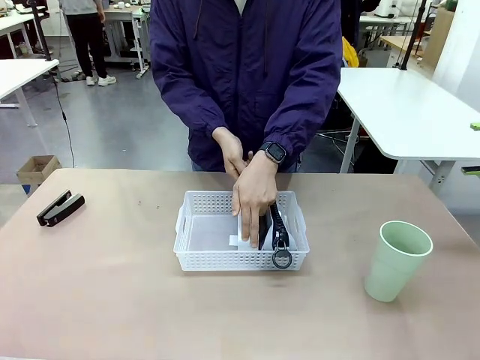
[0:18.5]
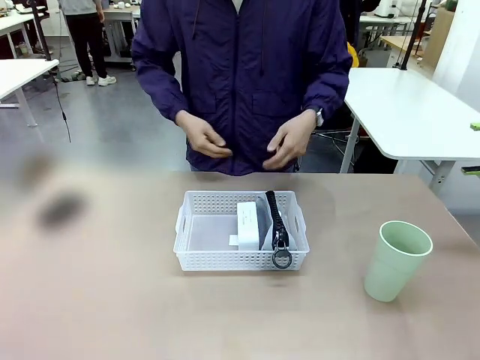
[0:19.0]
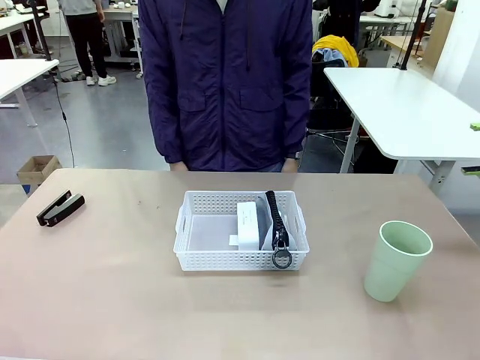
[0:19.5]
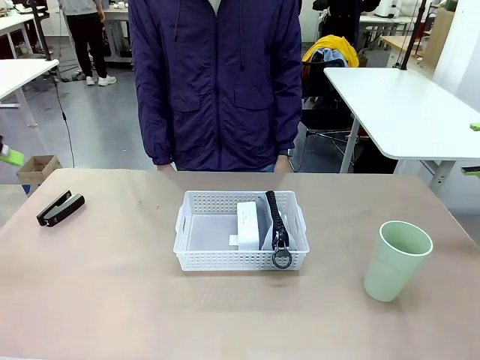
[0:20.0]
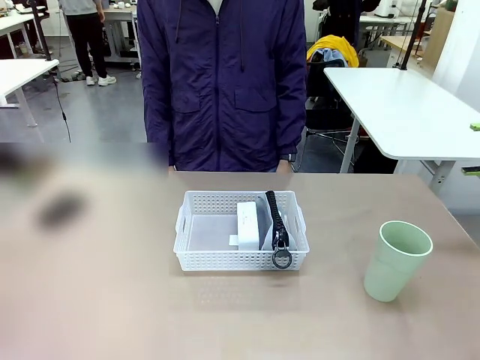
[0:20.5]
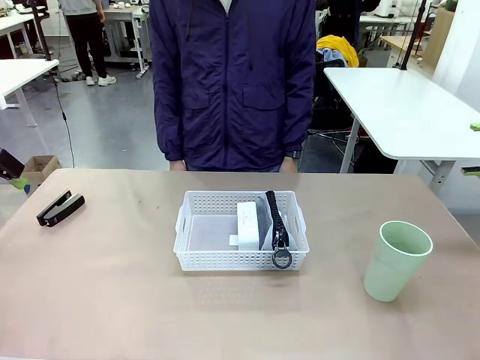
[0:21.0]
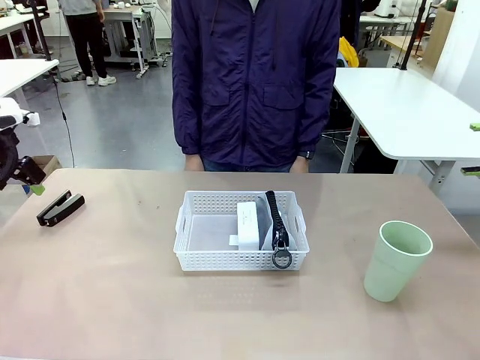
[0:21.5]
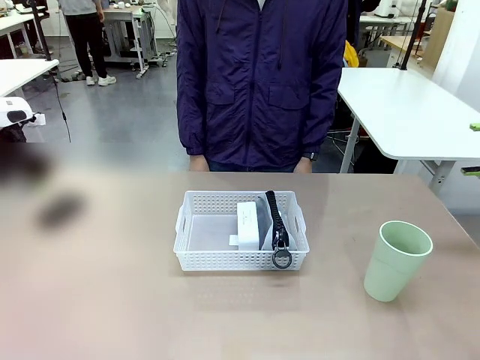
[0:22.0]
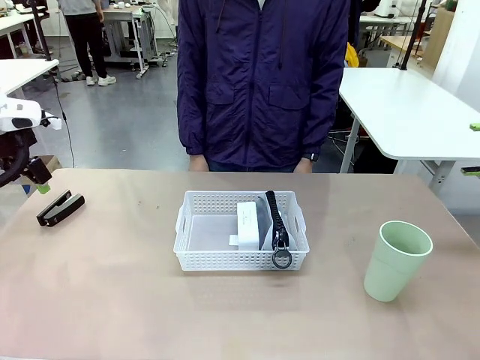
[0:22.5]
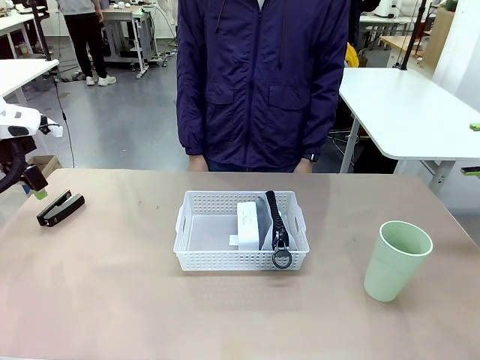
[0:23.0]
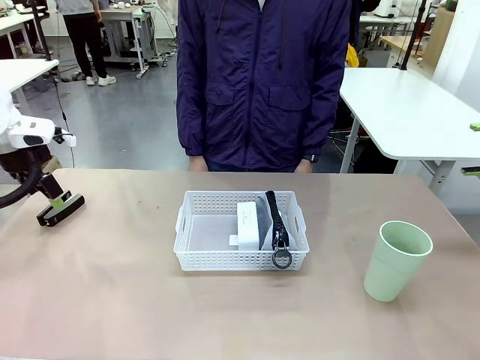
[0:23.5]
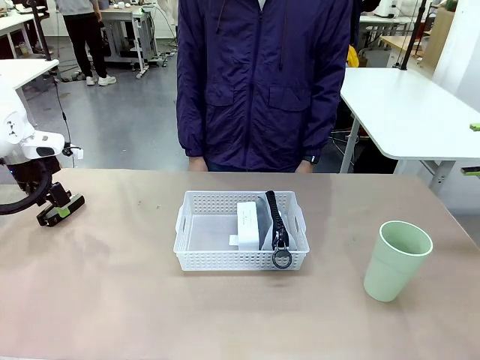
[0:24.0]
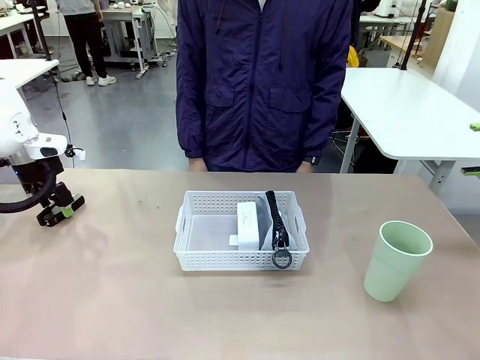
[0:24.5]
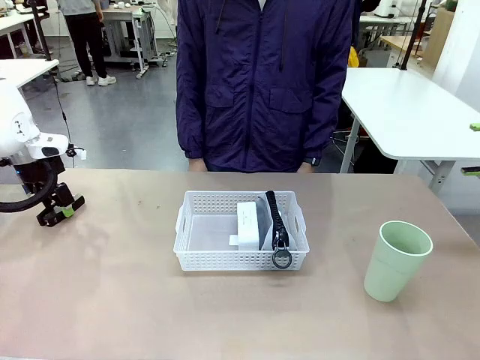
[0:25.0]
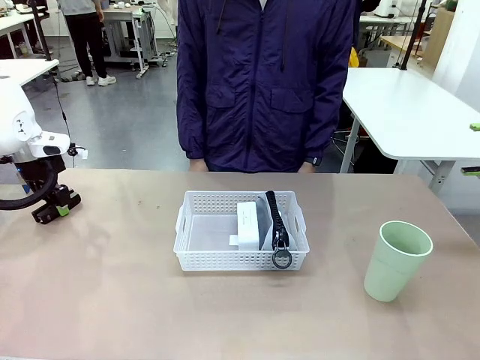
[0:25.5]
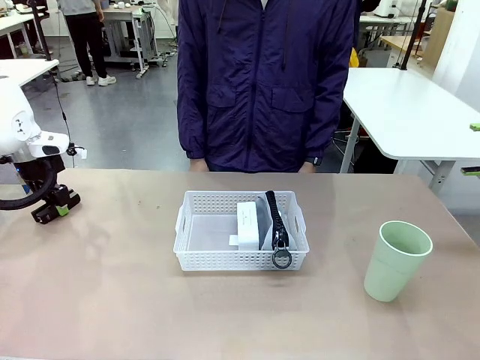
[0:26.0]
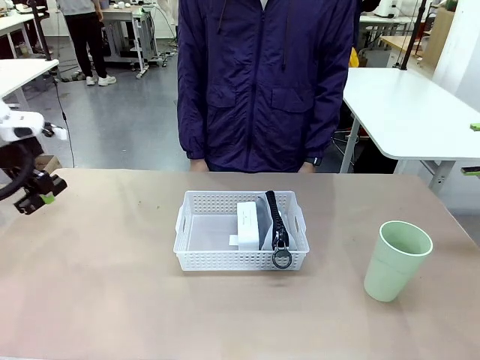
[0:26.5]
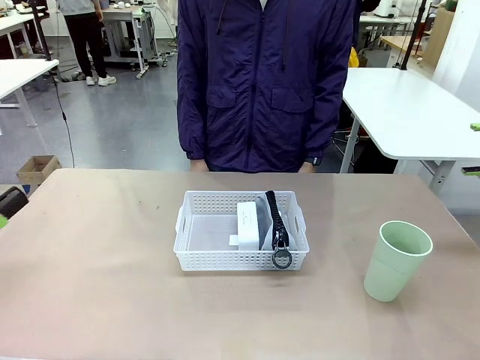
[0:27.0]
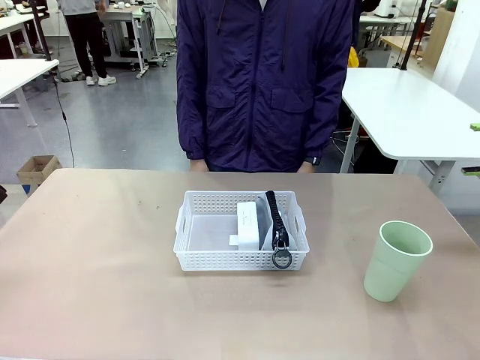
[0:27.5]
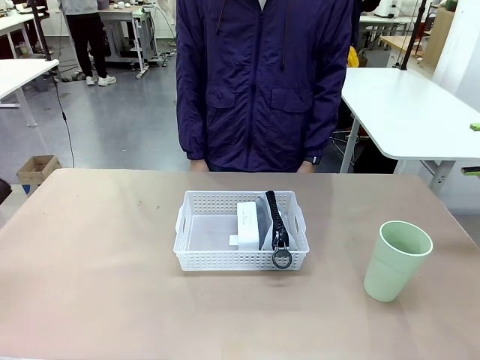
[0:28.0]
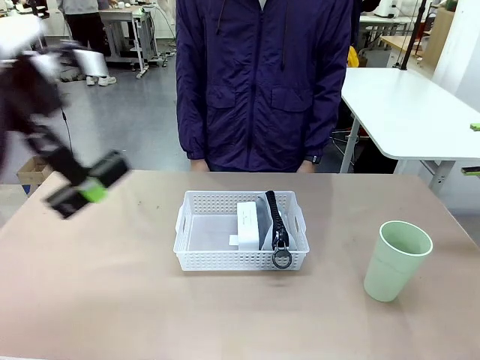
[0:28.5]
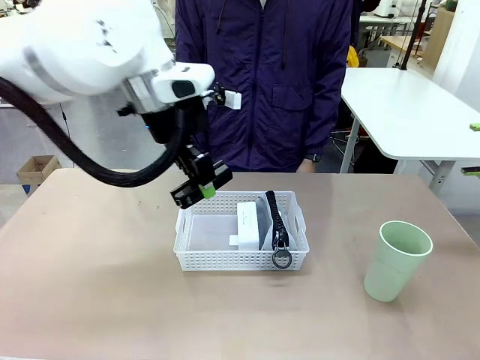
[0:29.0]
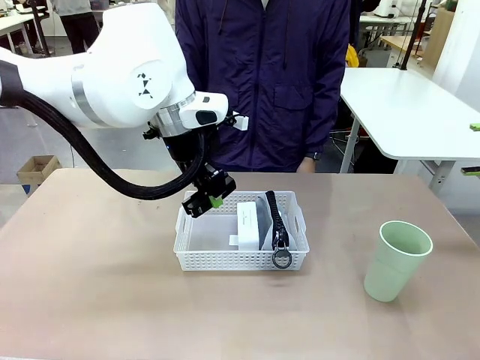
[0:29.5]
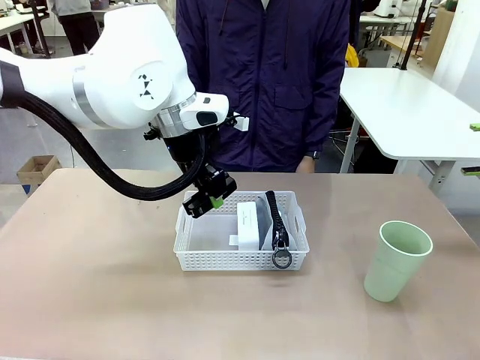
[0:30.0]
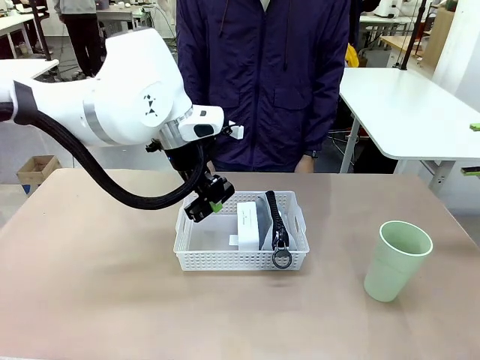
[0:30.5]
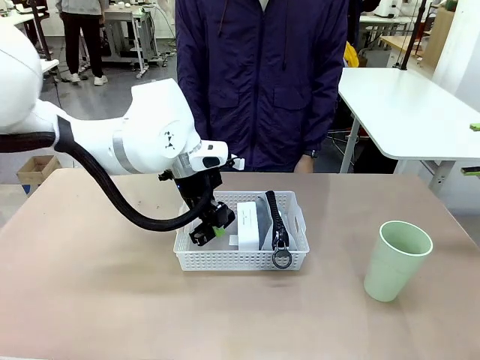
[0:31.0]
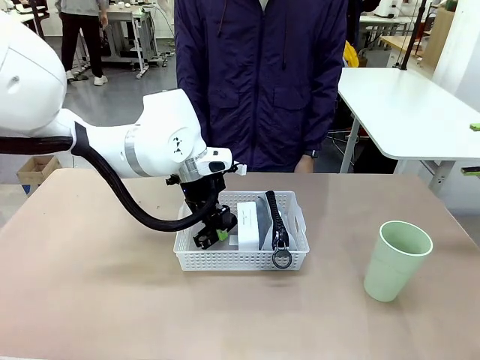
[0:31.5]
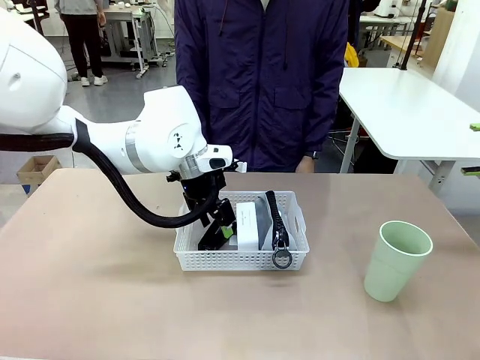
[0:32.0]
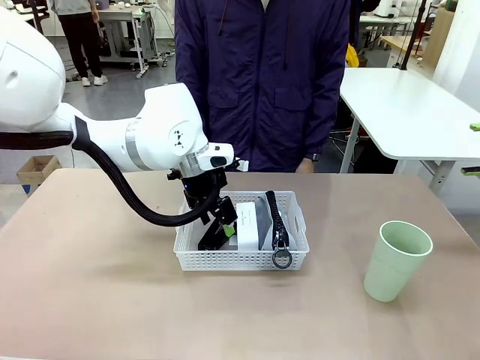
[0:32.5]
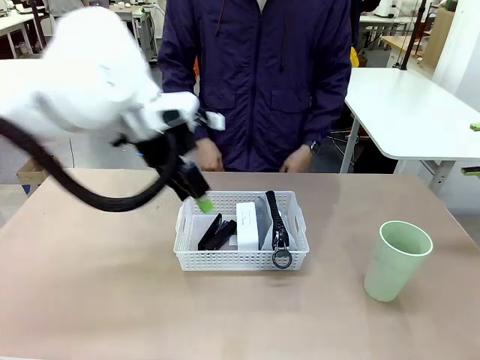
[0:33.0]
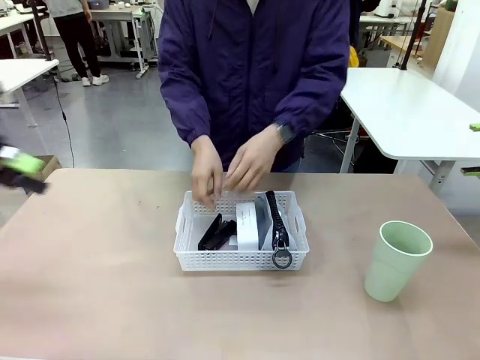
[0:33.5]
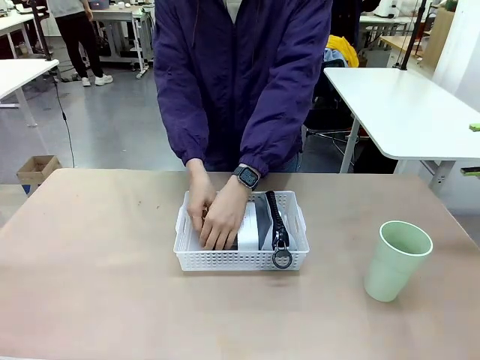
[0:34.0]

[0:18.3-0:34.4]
Task: Efficiently arrange items inside the basket to fit them all.
Robot: Pick up the Stapler and place it inside the Organizing basket.

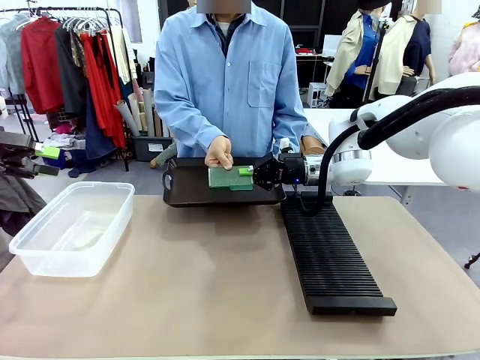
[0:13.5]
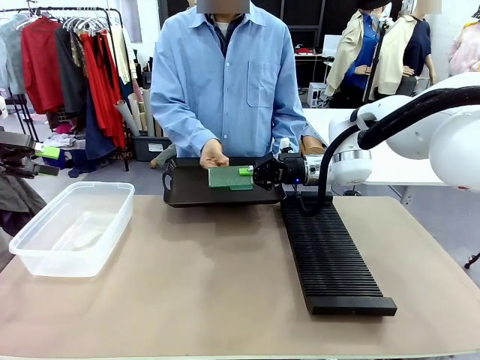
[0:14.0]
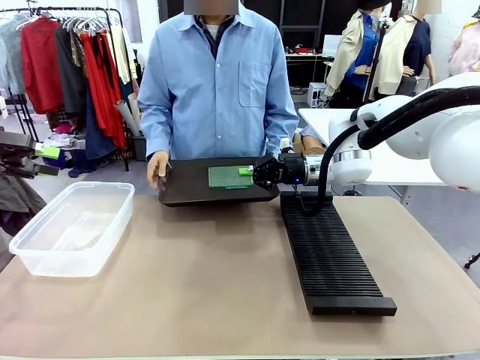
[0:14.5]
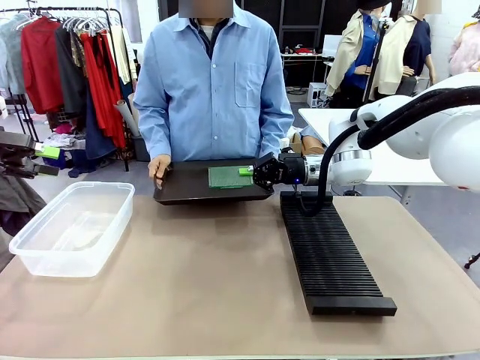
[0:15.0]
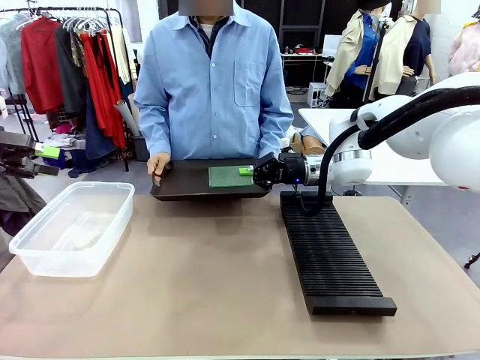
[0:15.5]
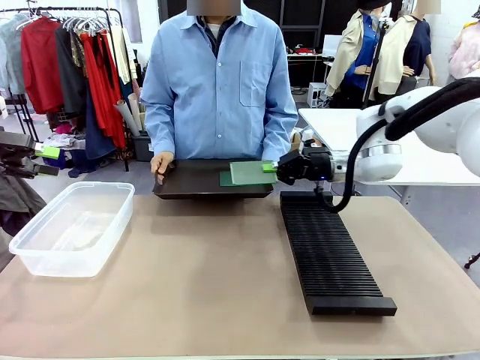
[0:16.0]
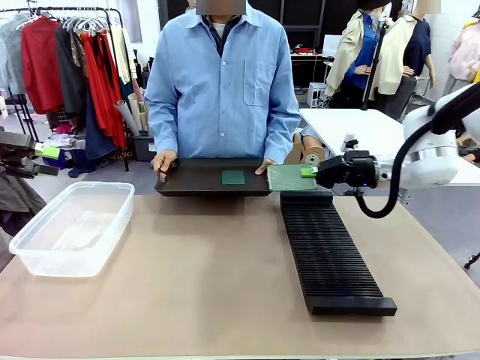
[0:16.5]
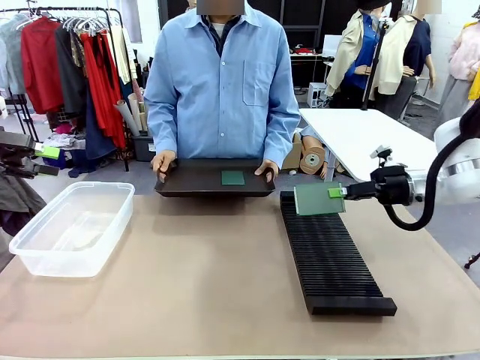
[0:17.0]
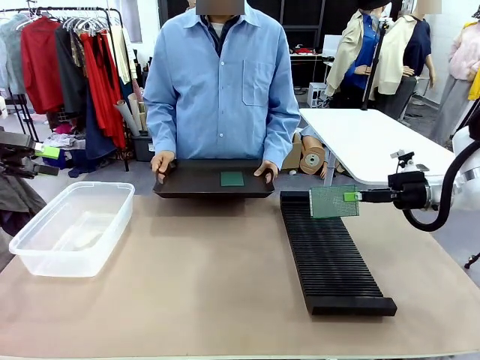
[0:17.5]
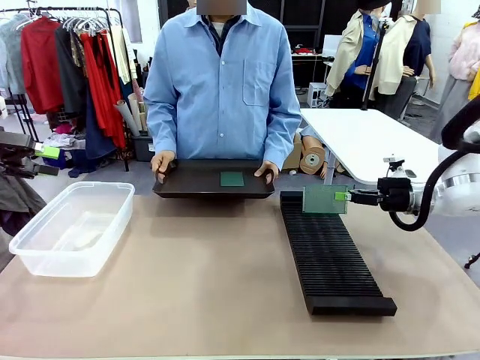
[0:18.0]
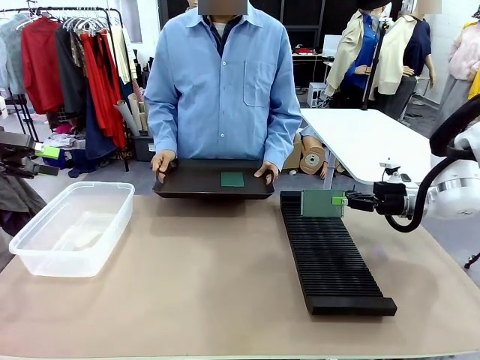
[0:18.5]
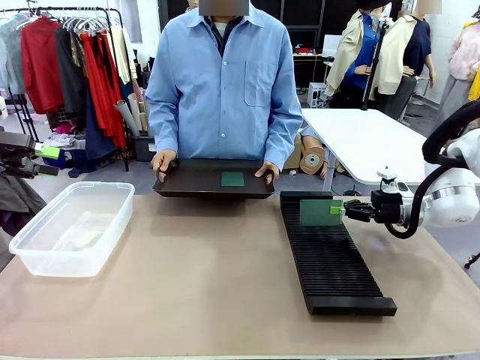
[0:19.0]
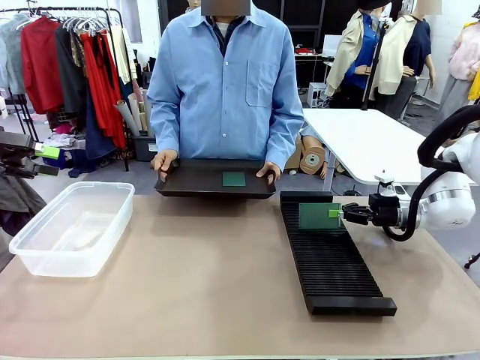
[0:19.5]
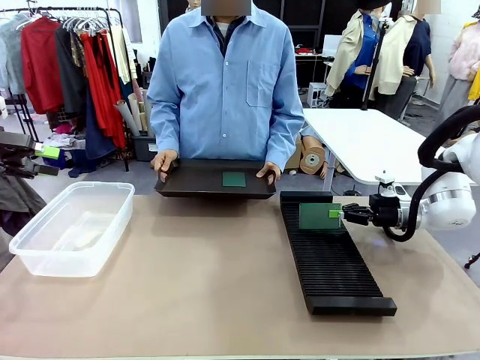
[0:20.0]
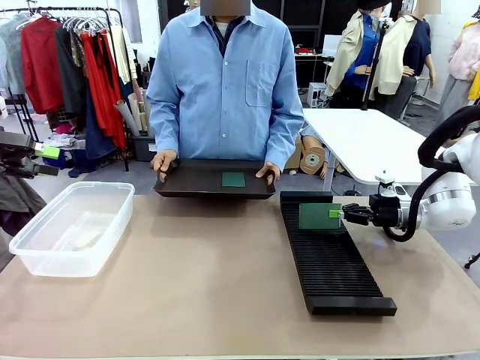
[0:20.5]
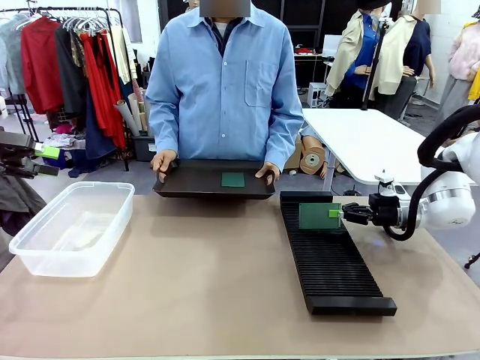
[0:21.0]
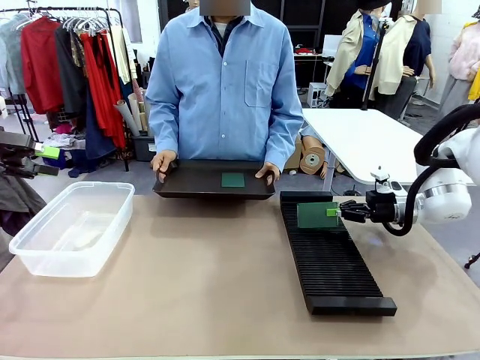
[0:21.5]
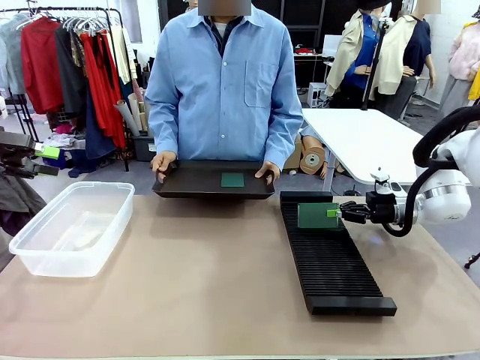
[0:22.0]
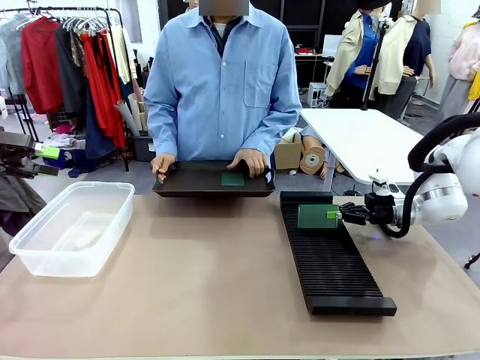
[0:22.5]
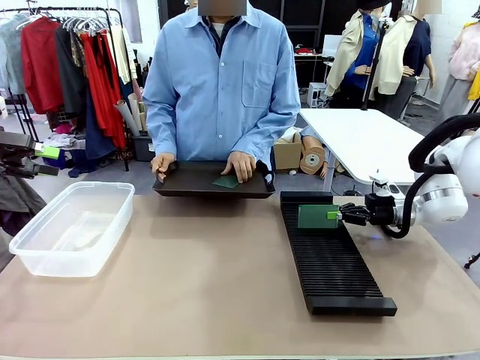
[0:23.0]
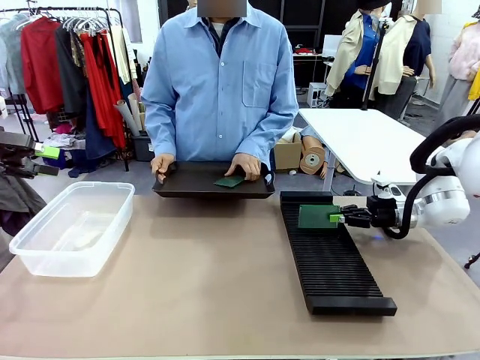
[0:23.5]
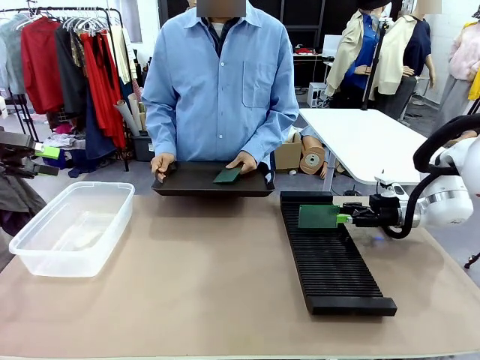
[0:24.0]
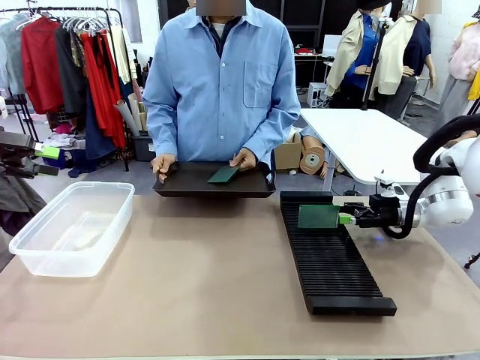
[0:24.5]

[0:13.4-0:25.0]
Task: Sort PCBs into racks and boxes based on the side picked up.
Robot: If the short side of the Blank PCB is picked up, insert it into the PCB Rack ; if the long side is picked up, place it in the Organizing box.
Person: Pick one PCB from the tray and present it to the robot.
